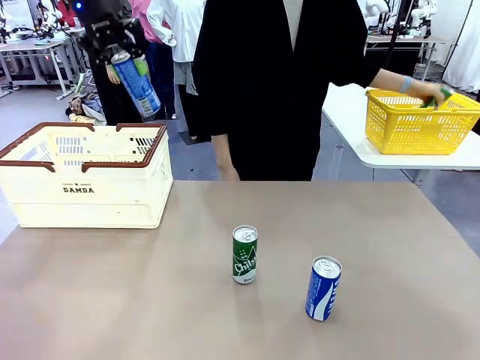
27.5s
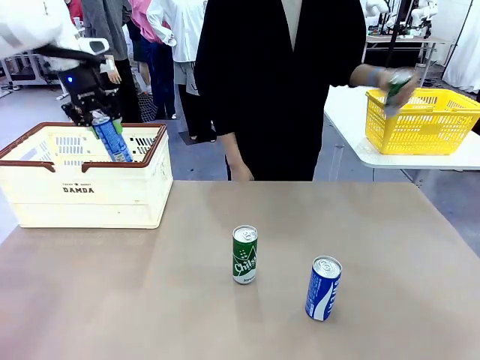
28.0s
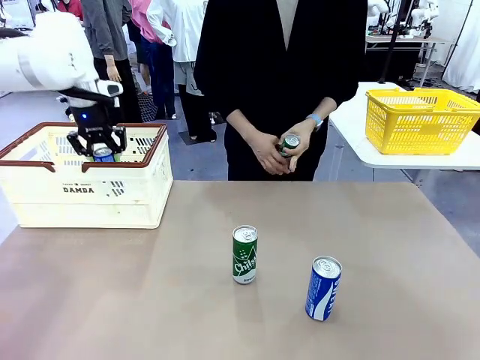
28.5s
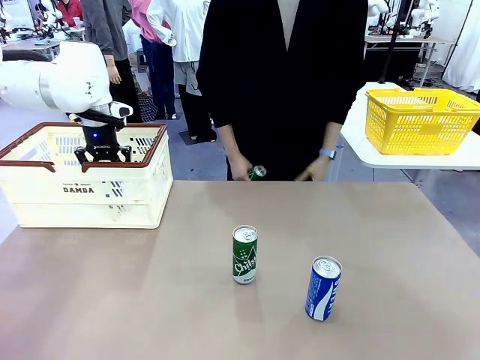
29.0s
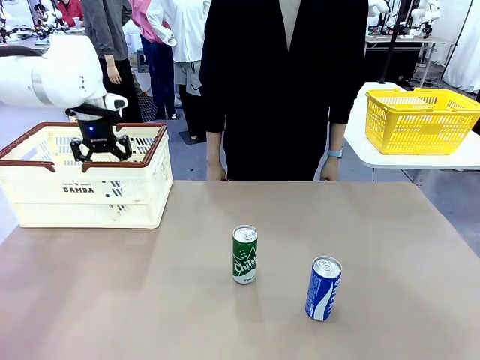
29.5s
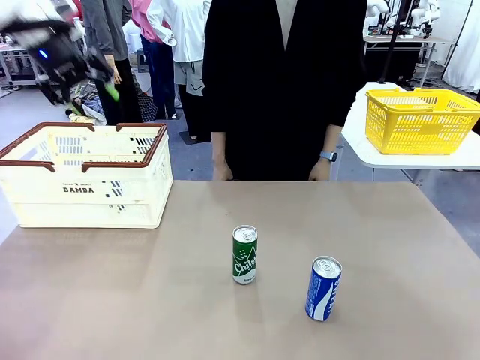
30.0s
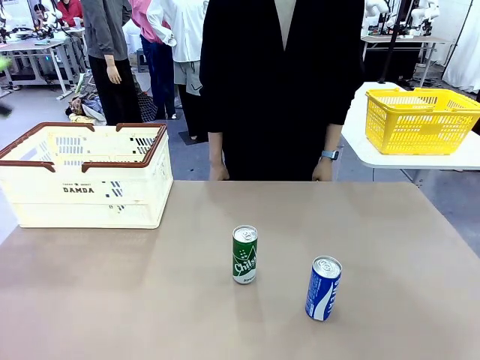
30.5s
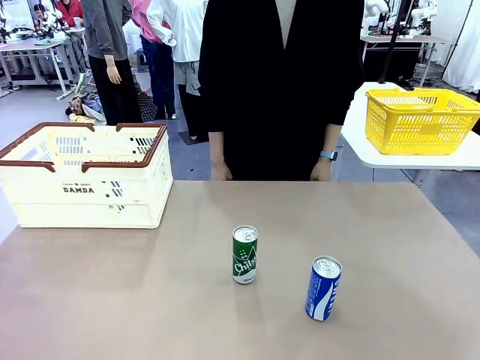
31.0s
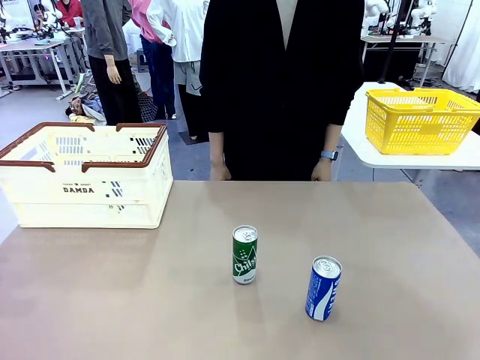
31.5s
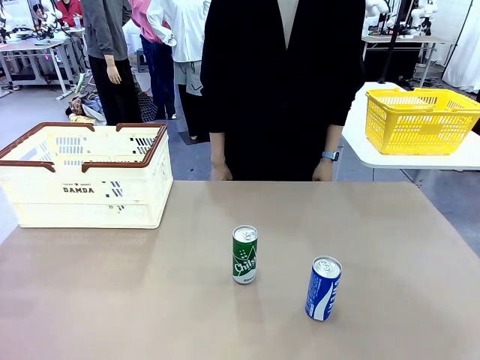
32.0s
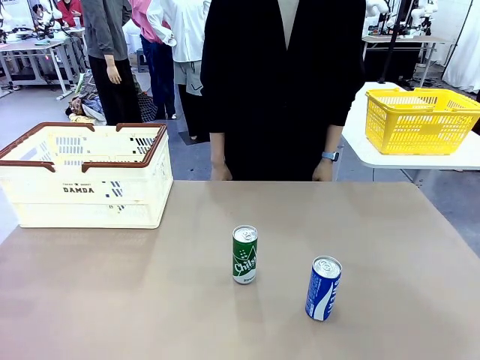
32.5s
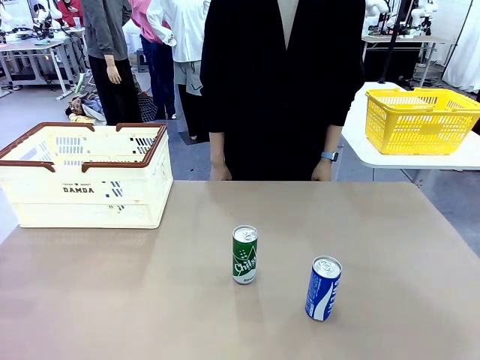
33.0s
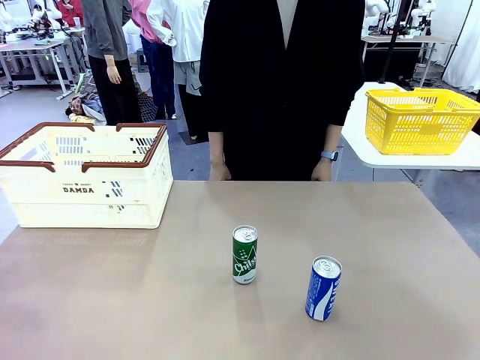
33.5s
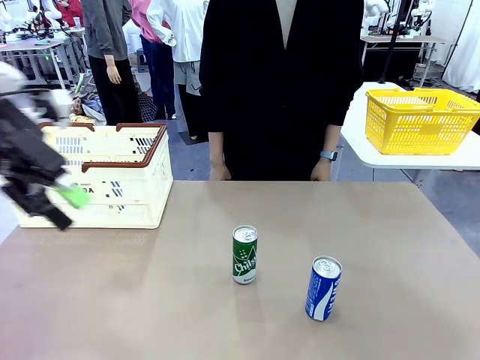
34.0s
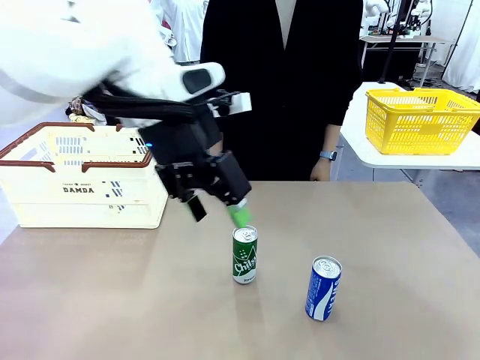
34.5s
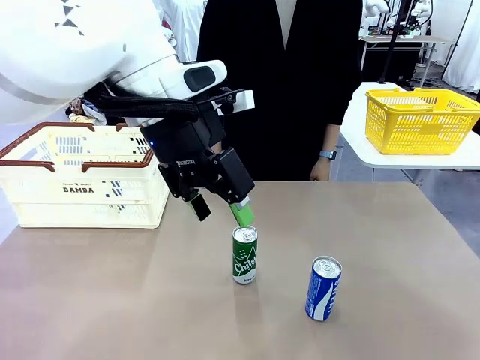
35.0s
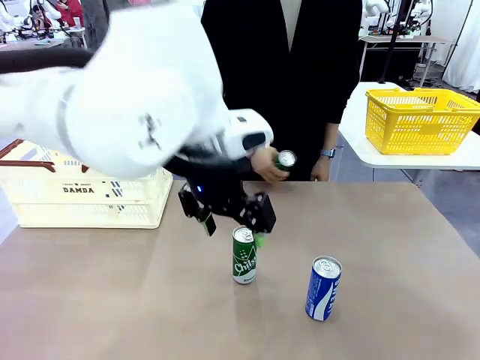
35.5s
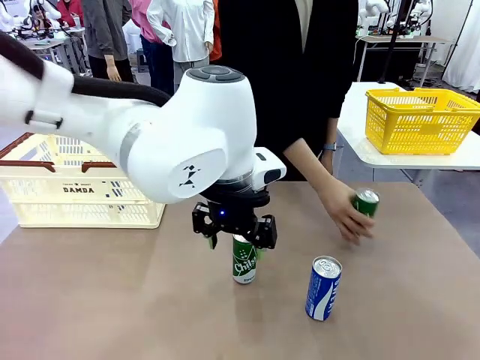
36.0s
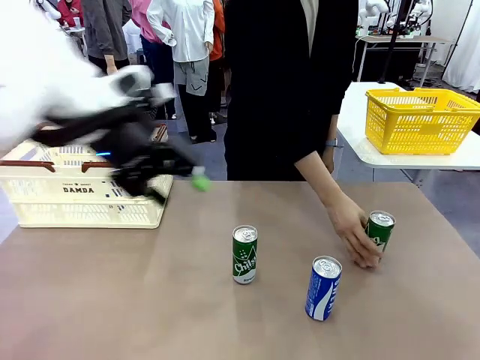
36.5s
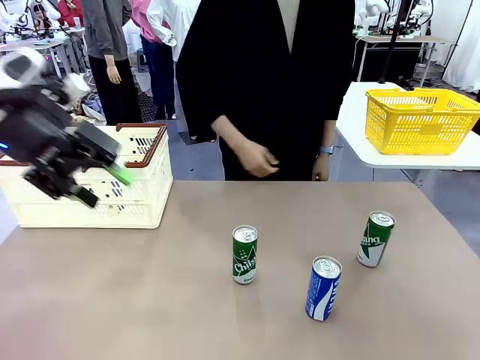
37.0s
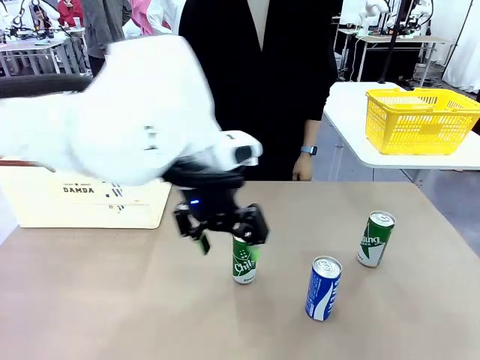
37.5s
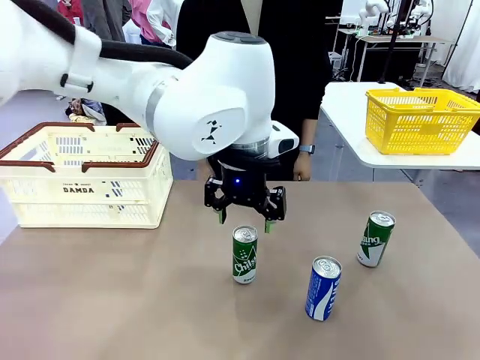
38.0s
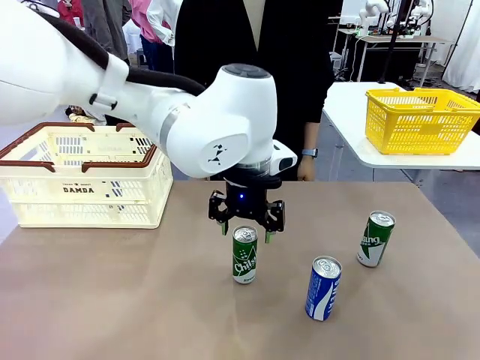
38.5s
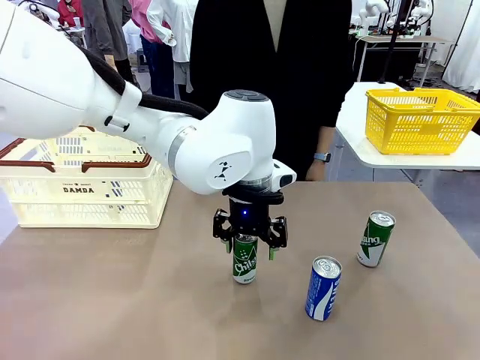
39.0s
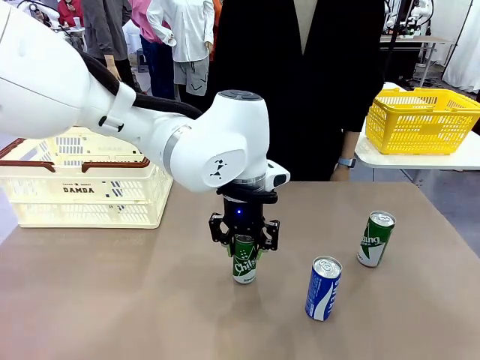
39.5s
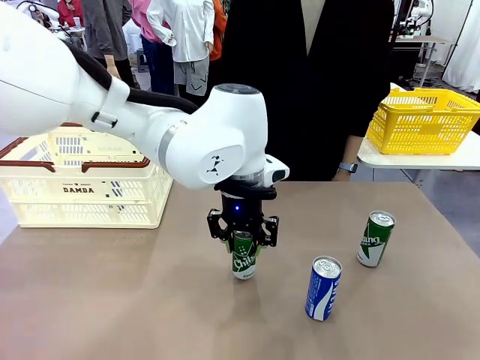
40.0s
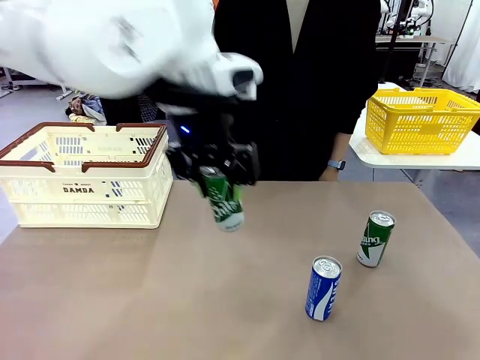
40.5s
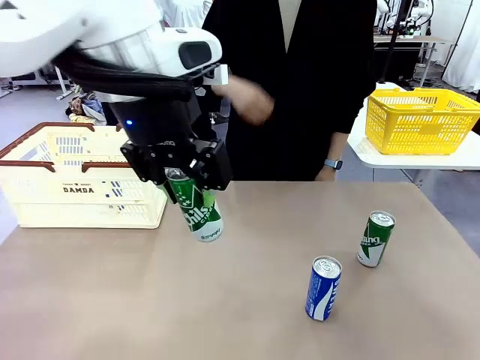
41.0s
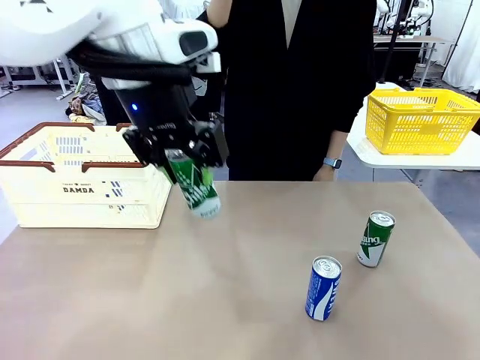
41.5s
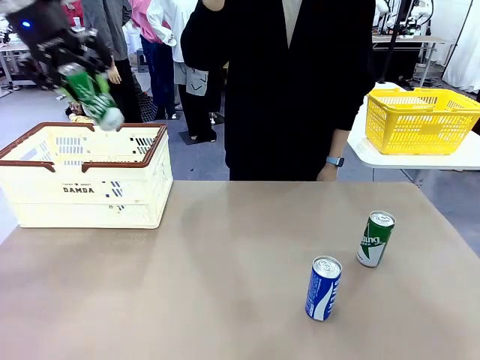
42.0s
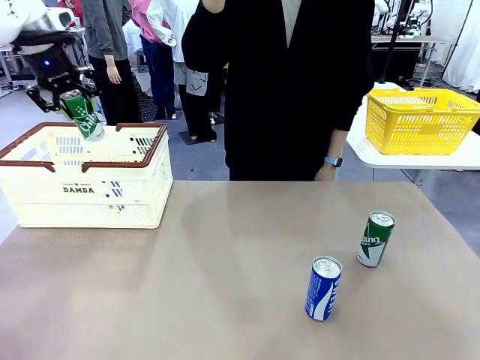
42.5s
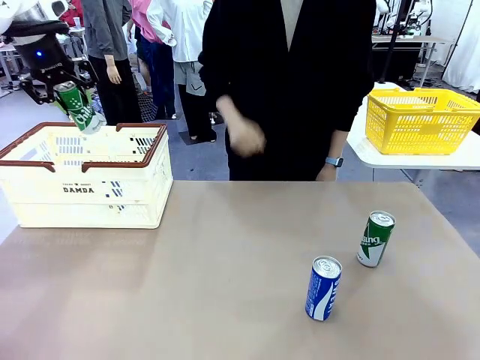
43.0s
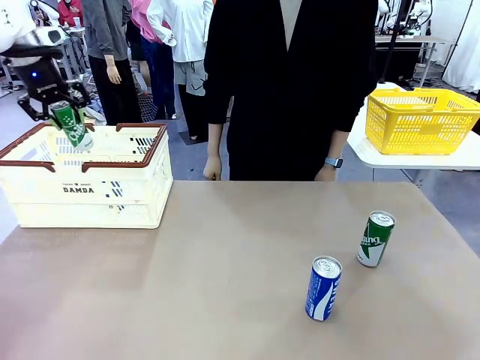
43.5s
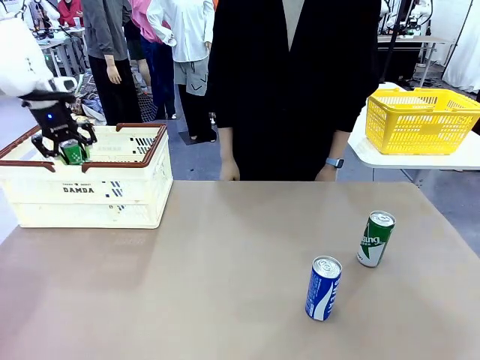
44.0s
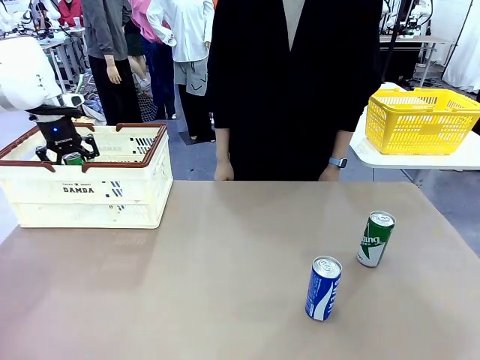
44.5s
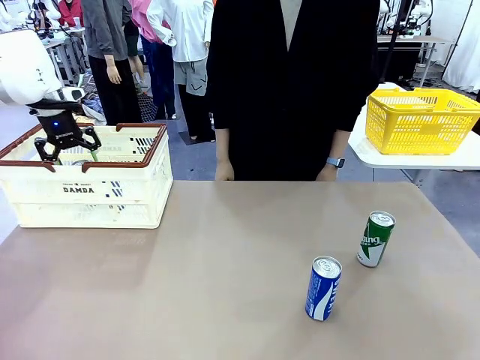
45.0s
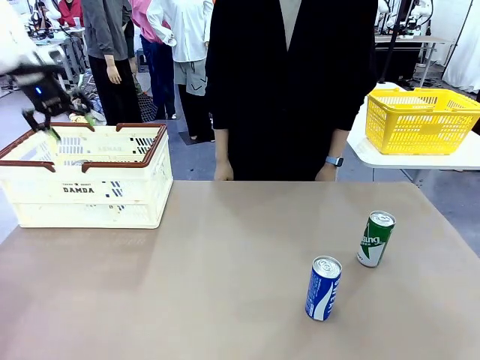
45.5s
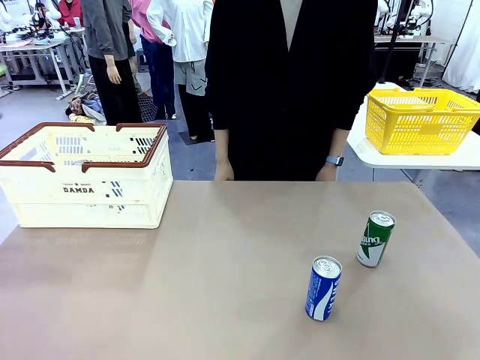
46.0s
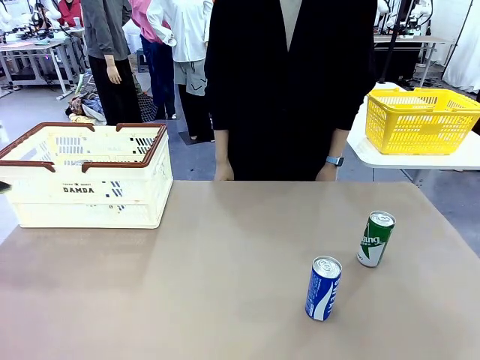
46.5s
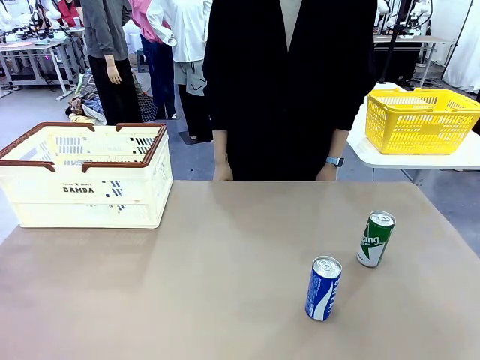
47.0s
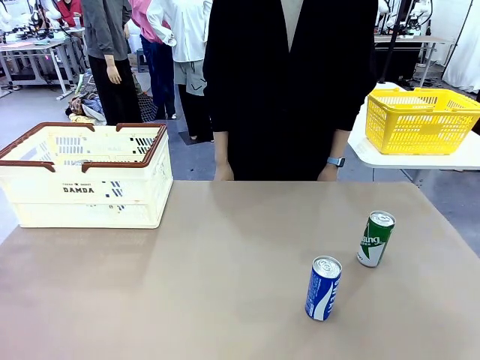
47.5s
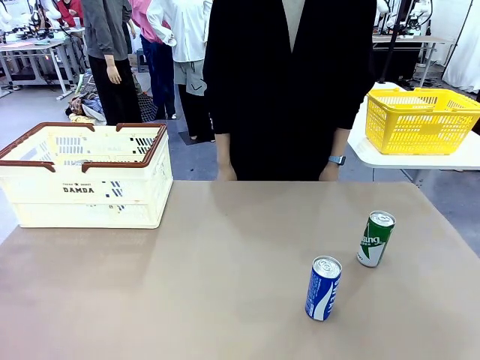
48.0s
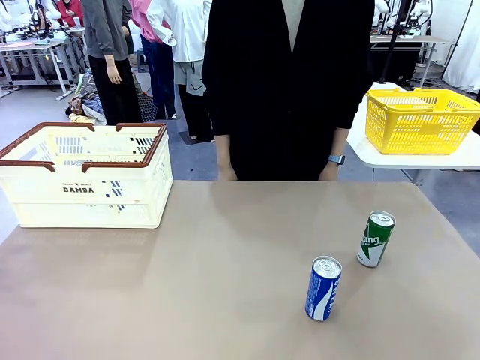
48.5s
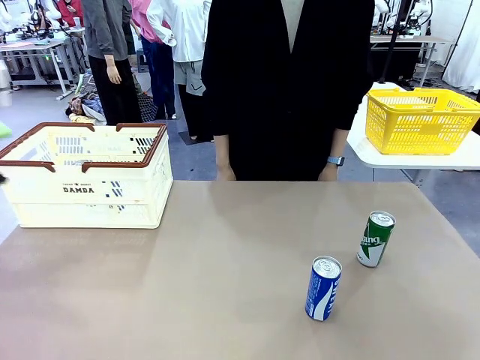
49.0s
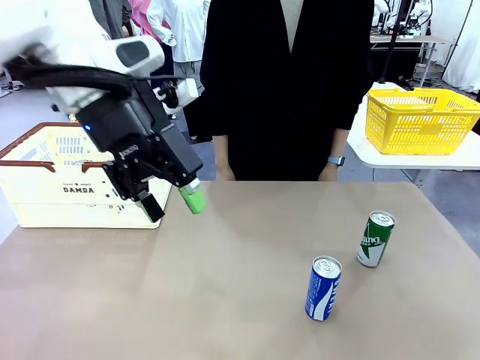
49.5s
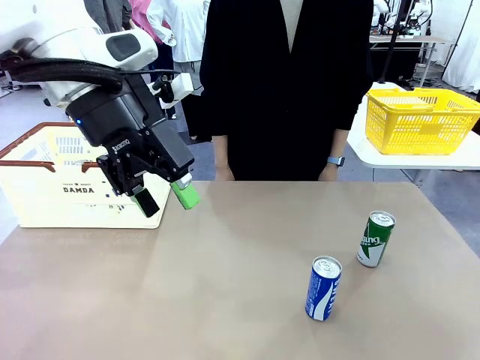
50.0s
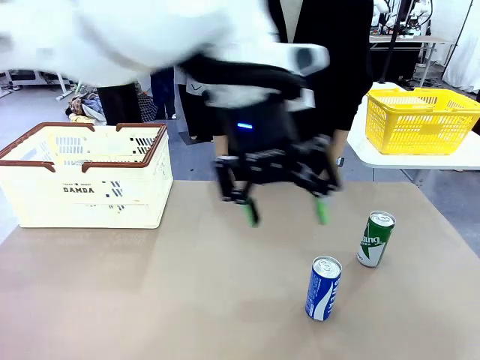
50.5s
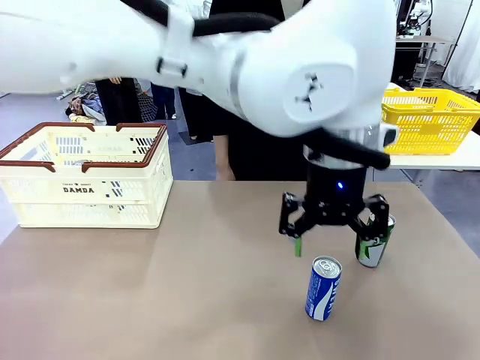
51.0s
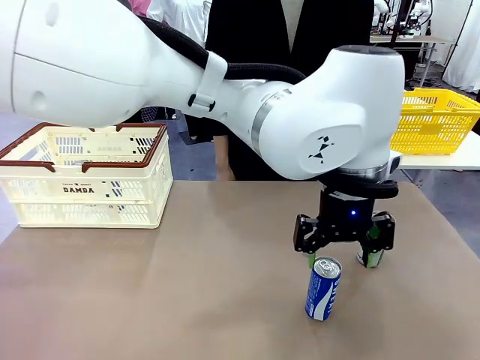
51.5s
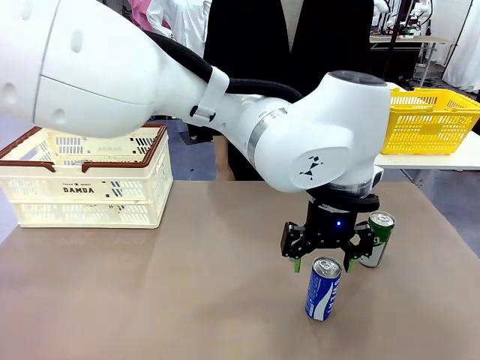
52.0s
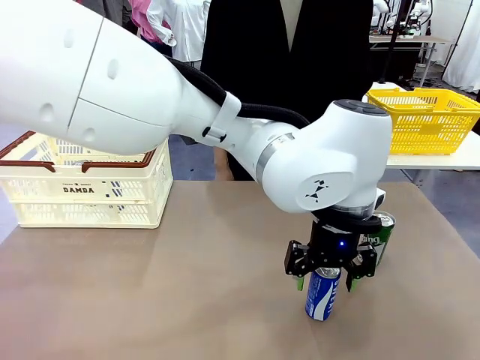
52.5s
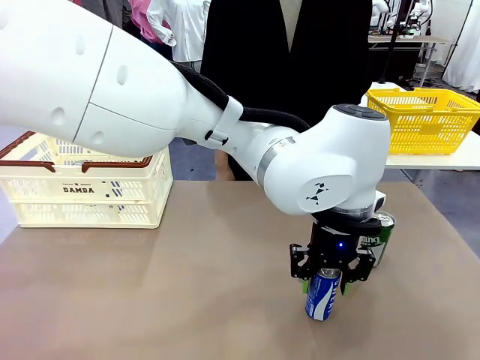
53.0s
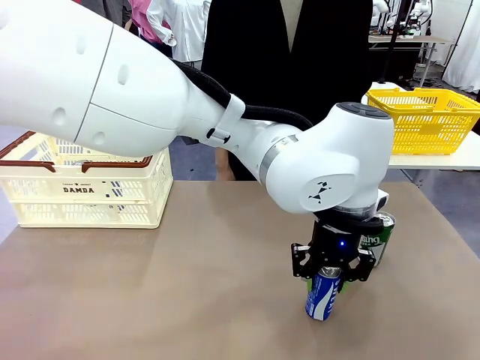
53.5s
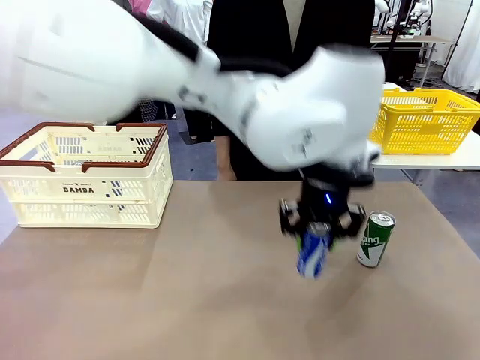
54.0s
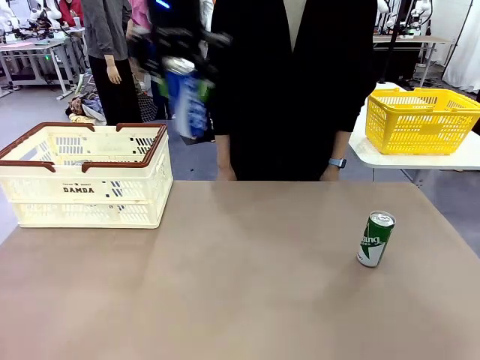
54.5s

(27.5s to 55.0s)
Task: Place the drinks into the Shopping basket.
Robot: Pick up one drink and place it into the Shopping basket.
